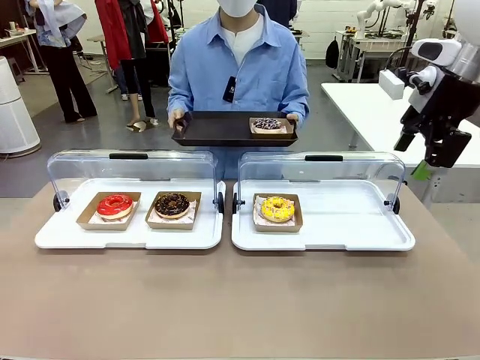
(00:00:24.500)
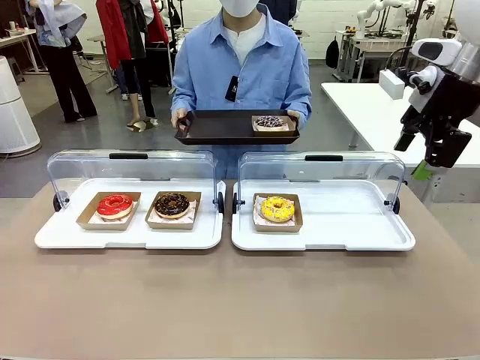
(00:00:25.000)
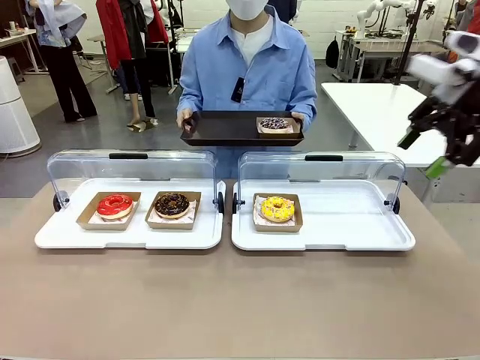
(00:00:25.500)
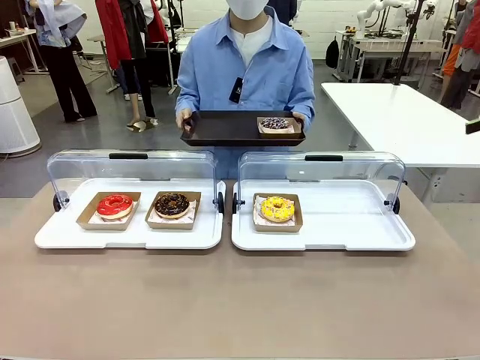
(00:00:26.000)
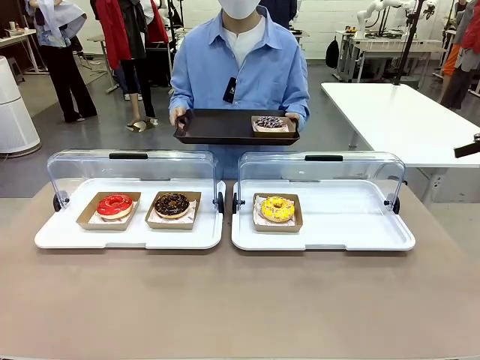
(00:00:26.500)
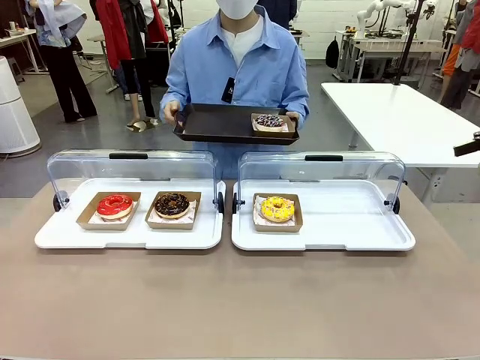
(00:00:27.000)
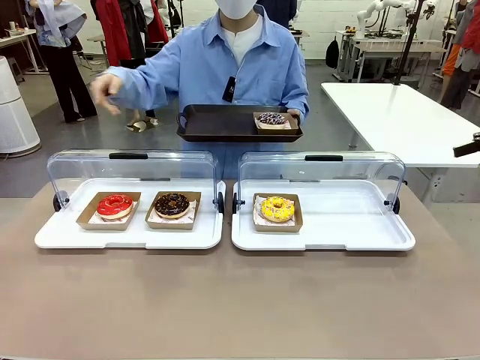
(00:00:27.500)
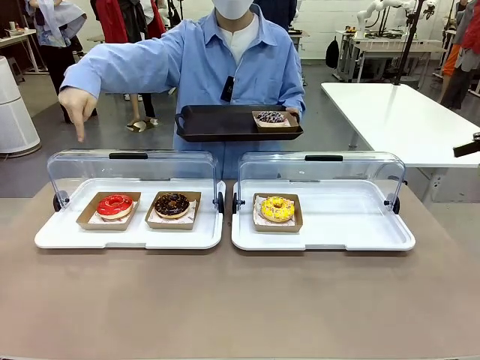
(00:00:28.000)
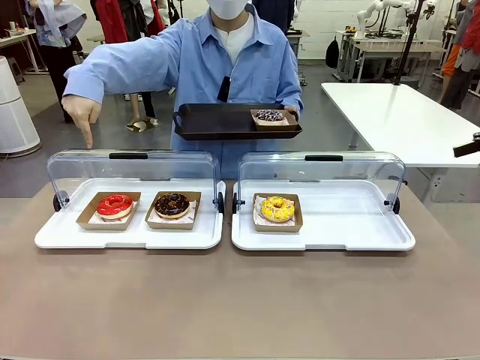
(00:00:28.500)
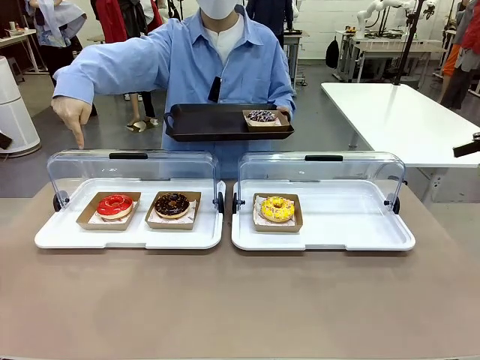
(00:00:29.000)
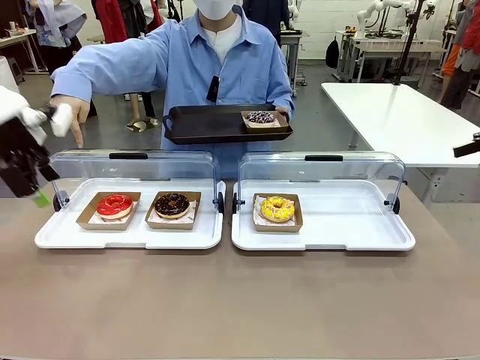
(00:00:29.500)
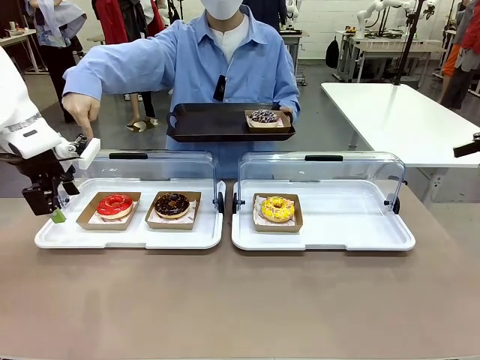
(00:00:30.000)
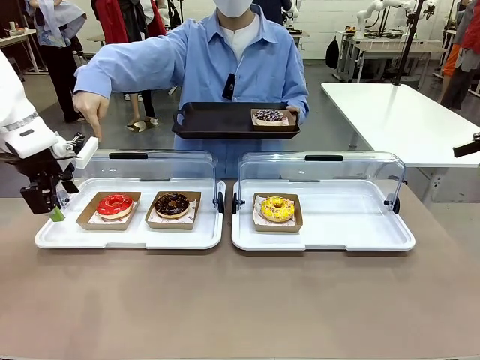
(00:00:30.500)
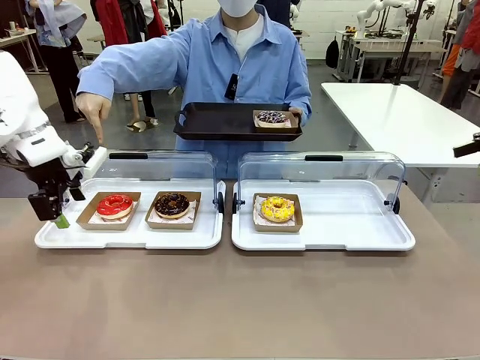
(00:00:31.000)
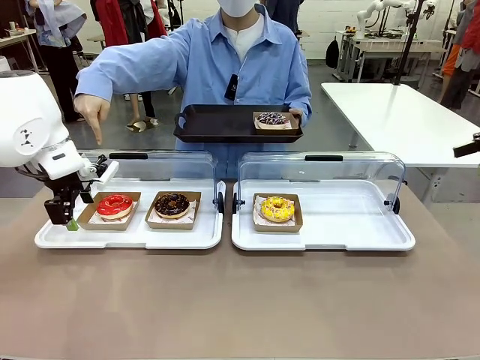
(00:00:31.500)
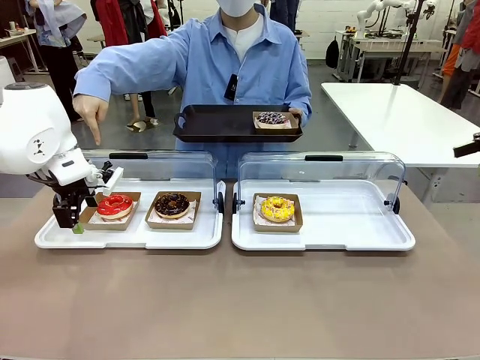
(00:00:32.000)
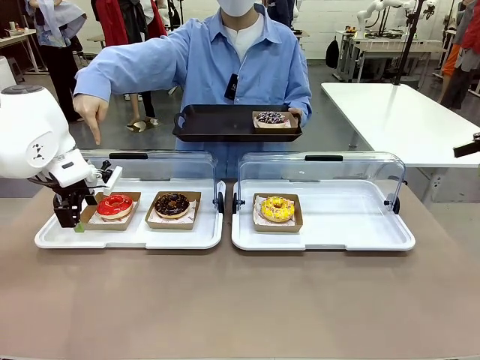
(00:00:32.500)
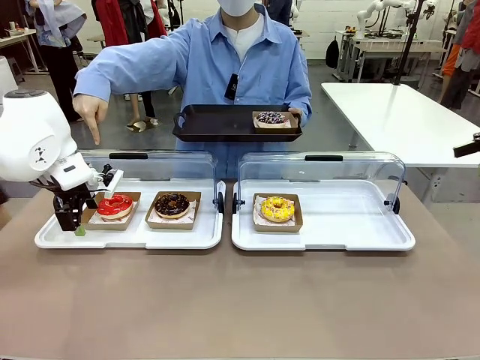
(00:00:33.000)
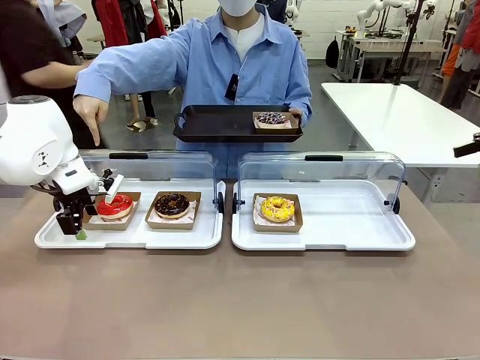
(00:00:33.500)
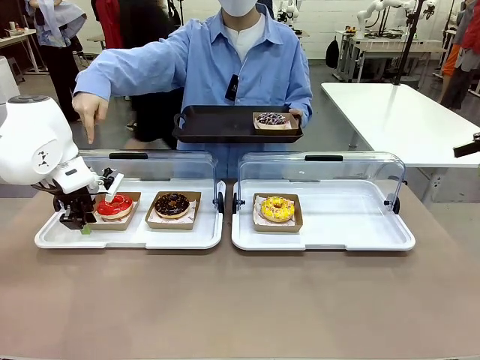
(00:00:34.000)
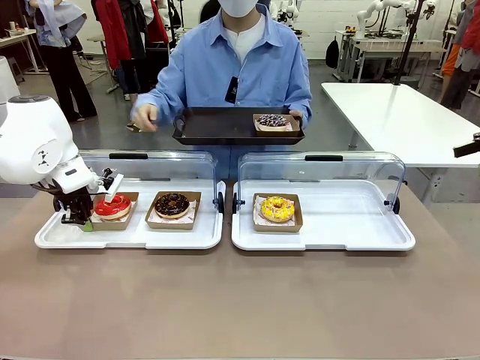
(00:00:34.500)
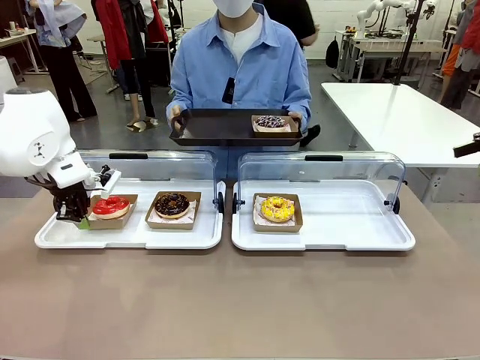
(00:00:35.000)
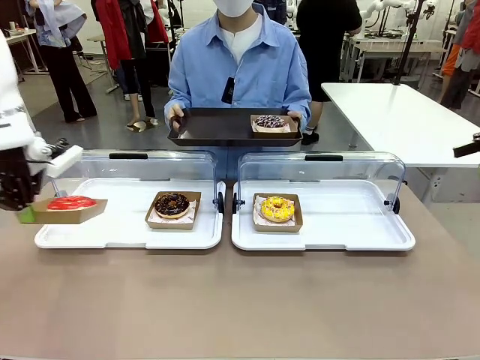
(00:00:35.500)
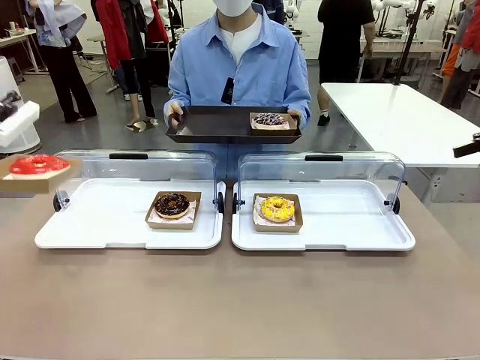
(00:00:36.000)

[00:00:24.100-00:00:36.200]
Task: Provide the desired donut to the person.
Robot: Pick up and lift the Paper togo box containing the Donut pointed at by the person.
Person: Point to one donut. Lift the tray onto the Roll-Top Bakery Case.

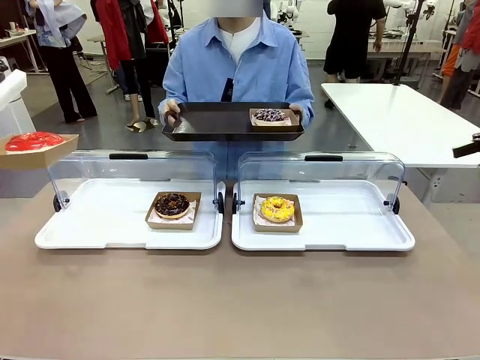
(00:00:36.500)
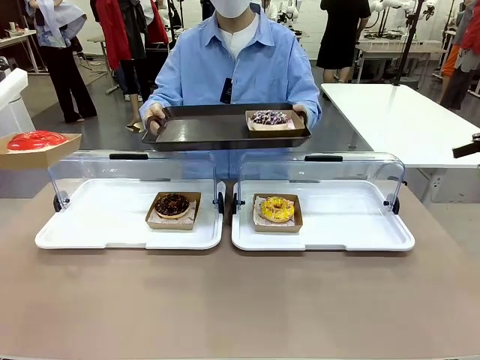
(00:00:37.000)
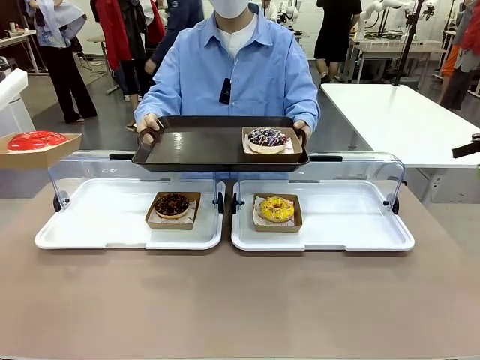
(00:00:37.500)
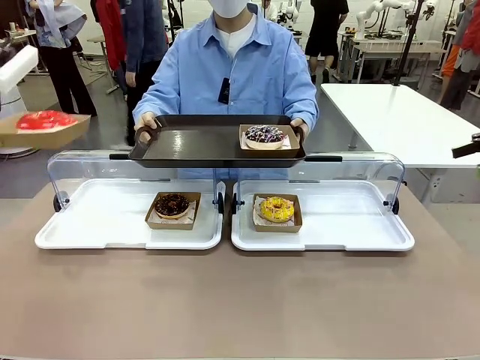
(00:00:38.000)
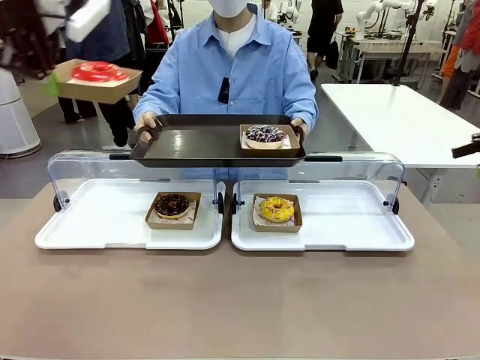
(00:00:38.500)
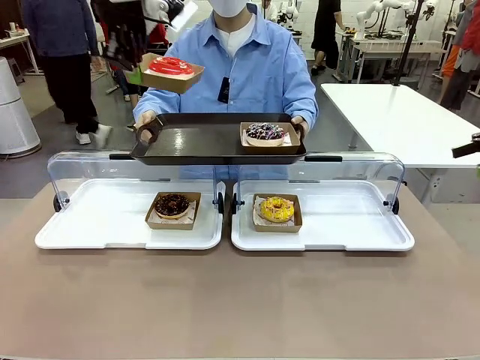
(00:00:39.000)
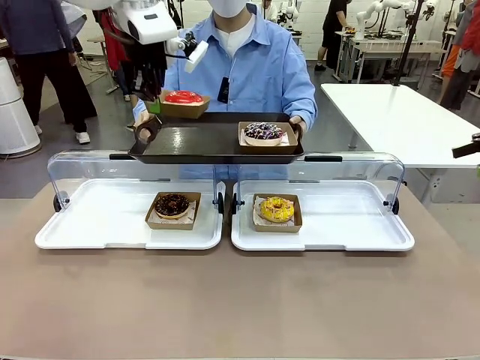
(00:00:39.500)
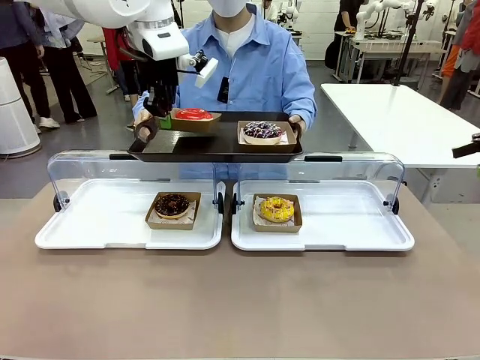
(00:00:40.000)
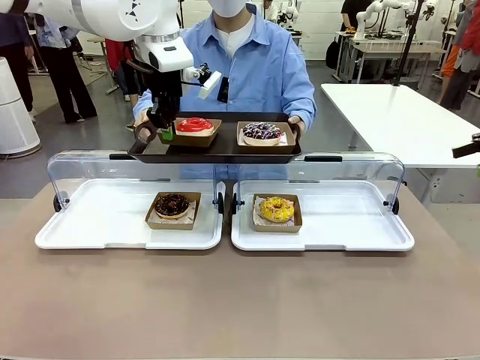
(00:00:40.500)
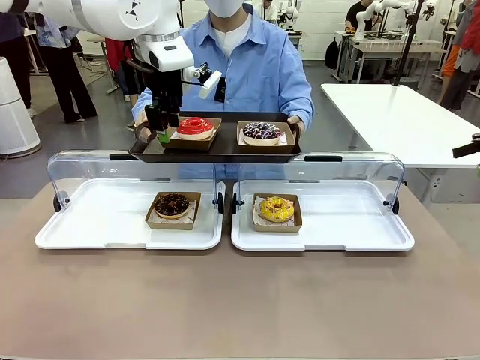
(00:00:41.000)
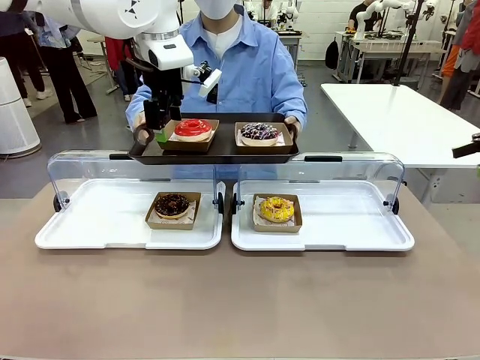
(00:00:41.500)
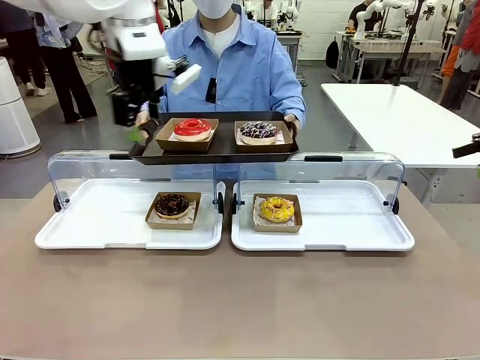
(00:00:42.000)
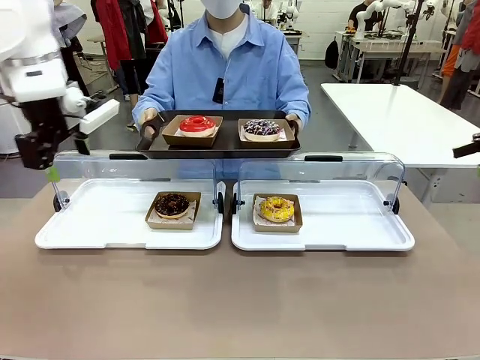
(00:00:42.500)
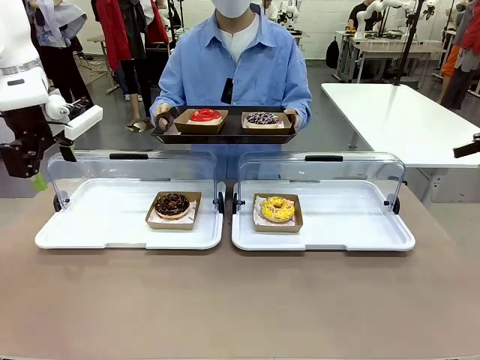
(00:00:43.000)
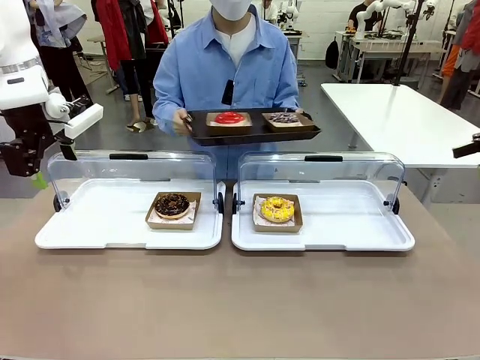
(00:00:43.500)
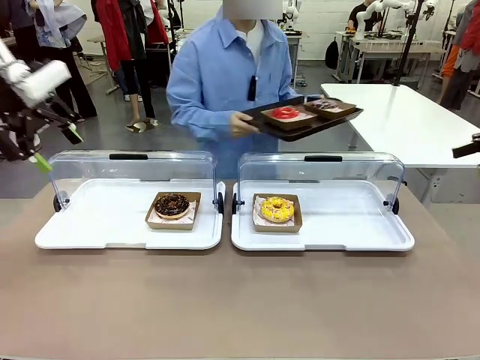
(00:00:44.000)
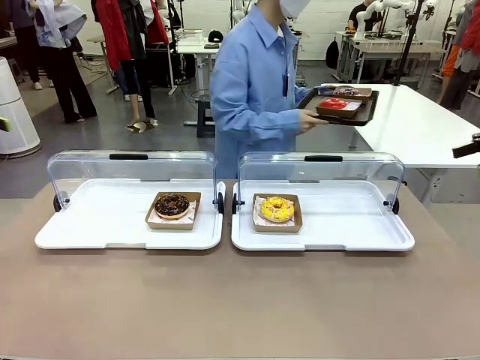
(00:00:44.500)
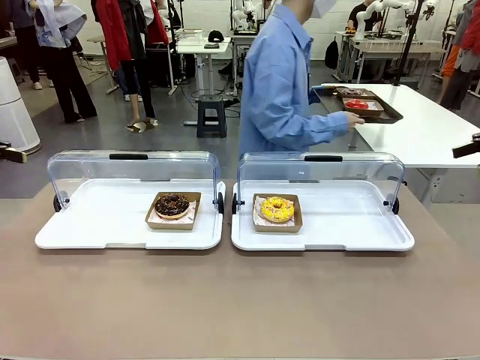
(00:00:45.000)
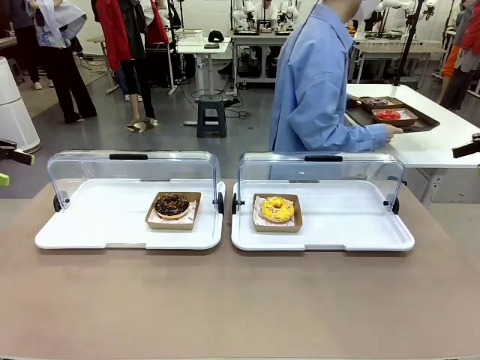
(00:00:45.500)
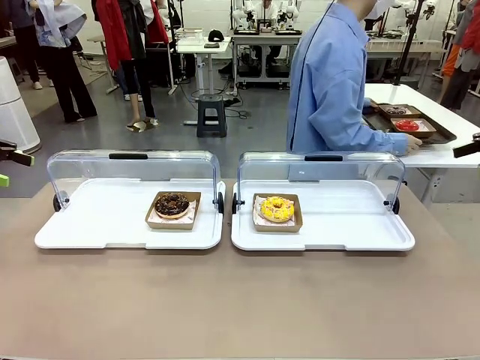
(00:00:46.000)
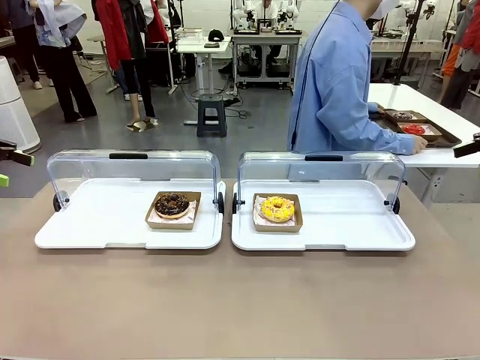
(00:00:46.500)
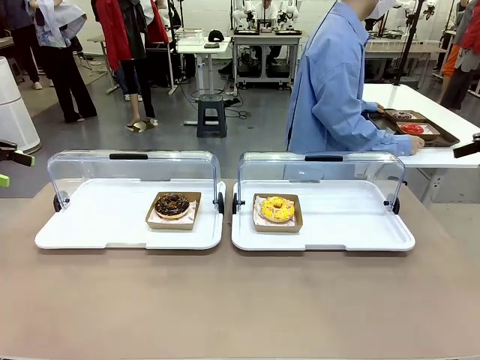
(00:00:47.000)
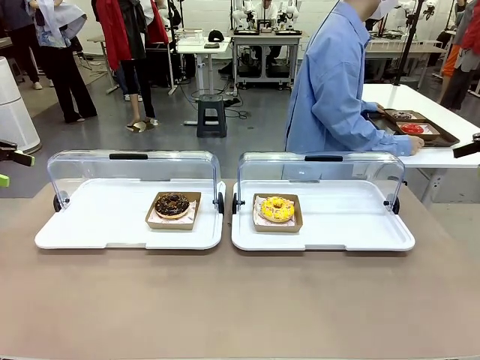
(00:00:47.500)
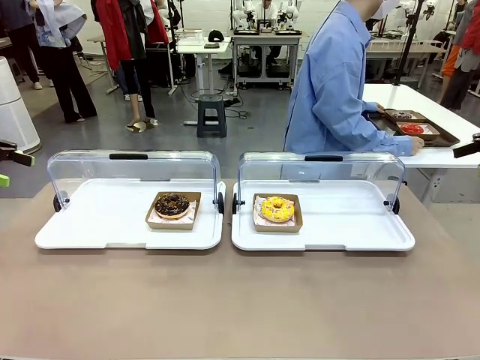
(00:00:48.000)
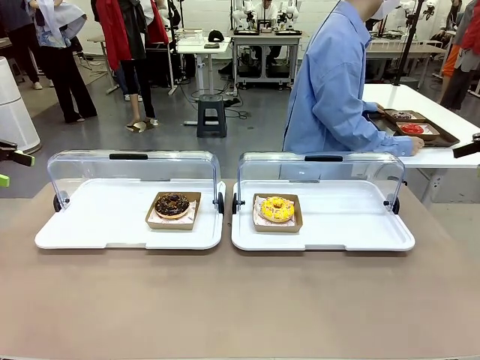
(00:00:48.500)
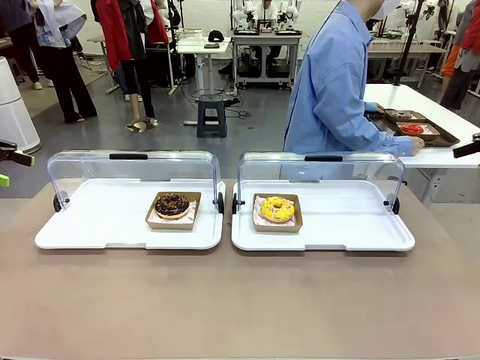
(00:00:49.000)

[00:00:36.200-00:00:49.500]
Robot: Place the picked Paper togo box onto the Handle tray extended by the person.
Person: Place the tray in the middle of the human table.
